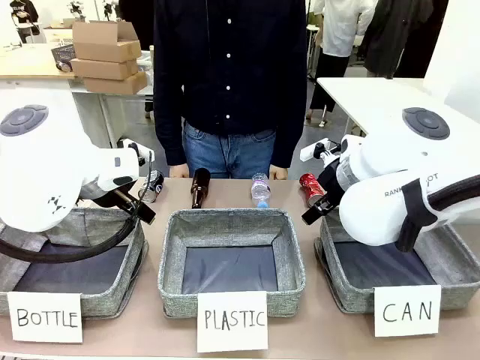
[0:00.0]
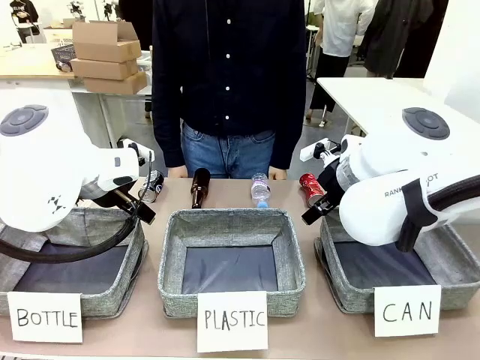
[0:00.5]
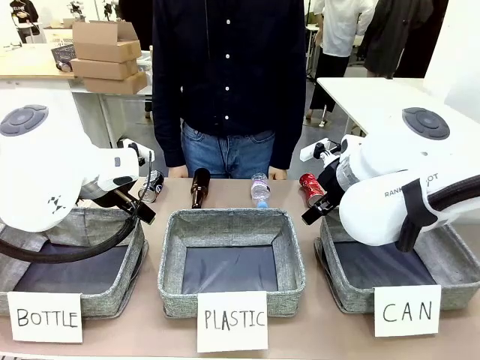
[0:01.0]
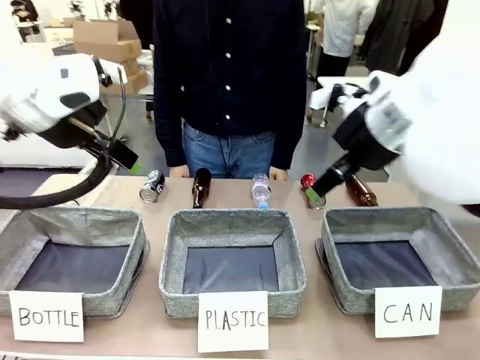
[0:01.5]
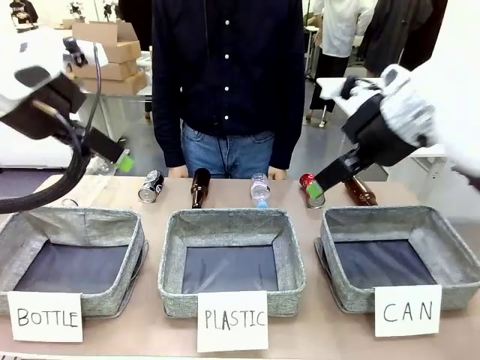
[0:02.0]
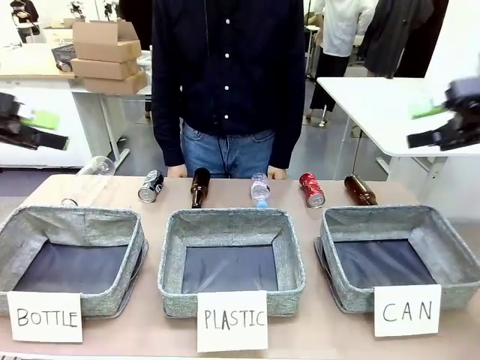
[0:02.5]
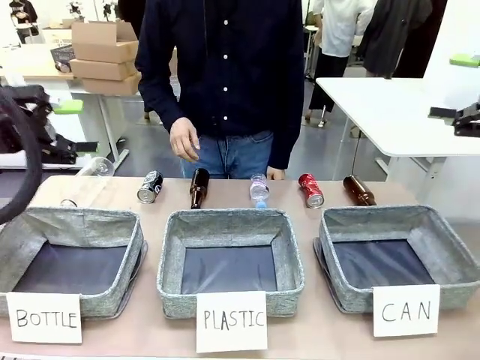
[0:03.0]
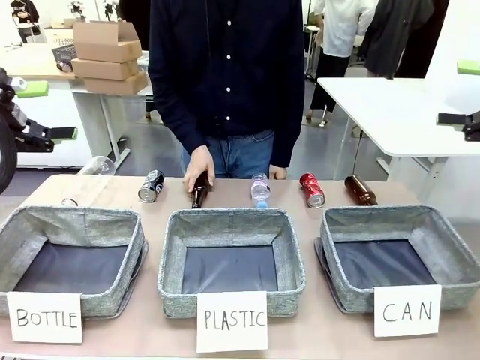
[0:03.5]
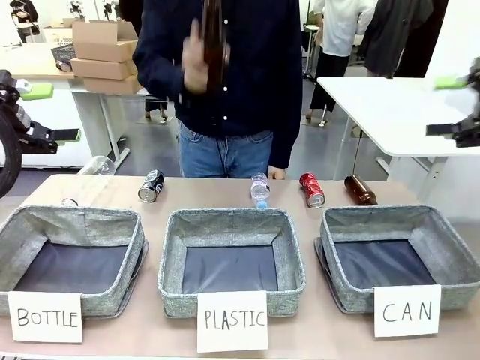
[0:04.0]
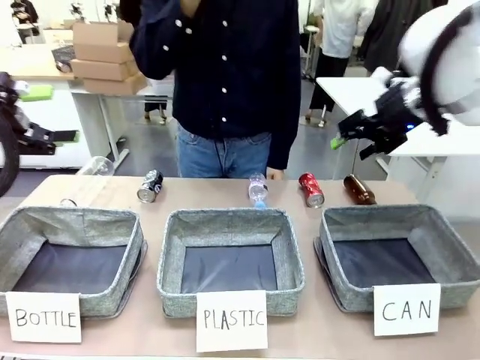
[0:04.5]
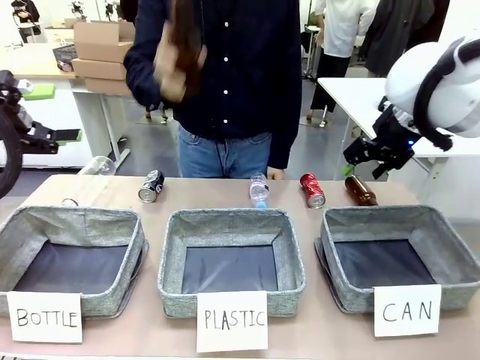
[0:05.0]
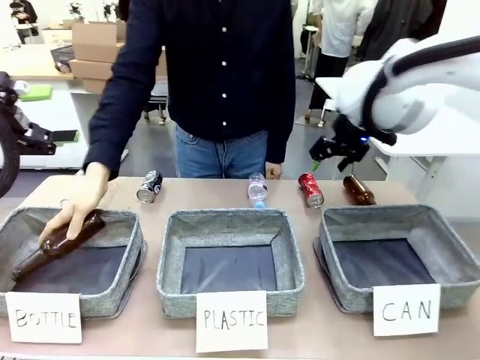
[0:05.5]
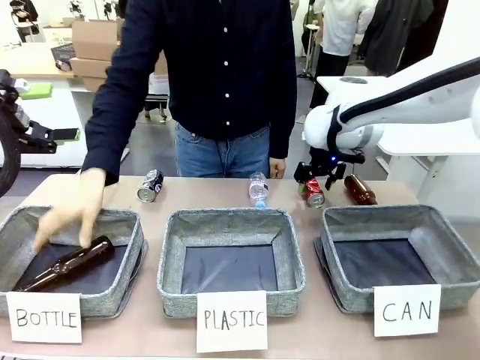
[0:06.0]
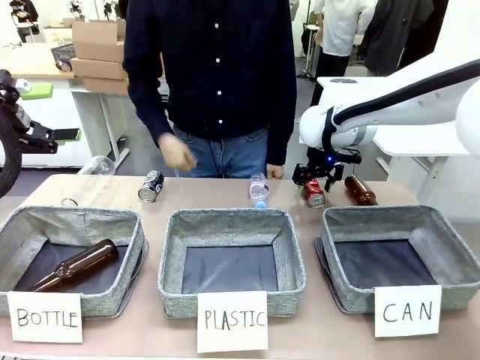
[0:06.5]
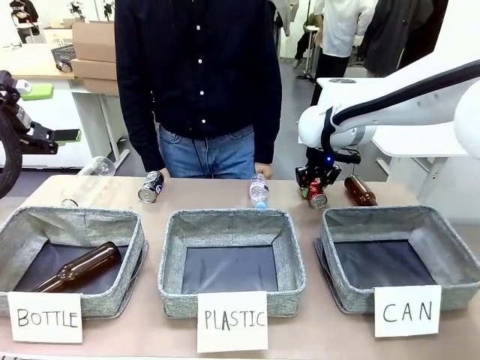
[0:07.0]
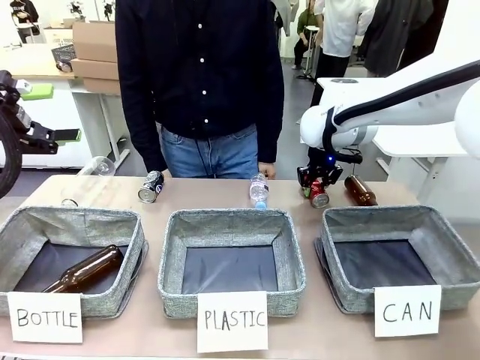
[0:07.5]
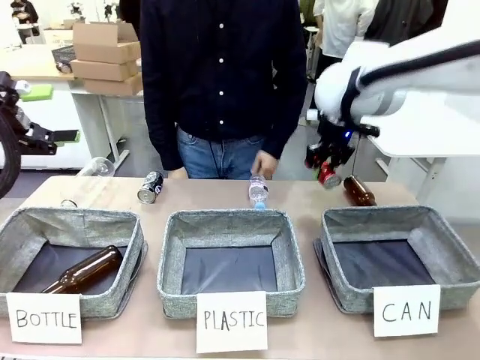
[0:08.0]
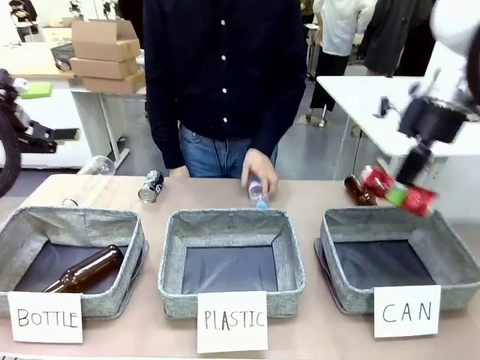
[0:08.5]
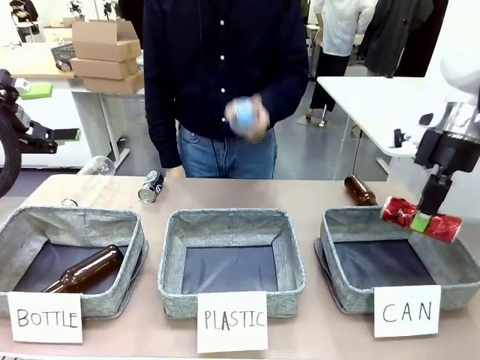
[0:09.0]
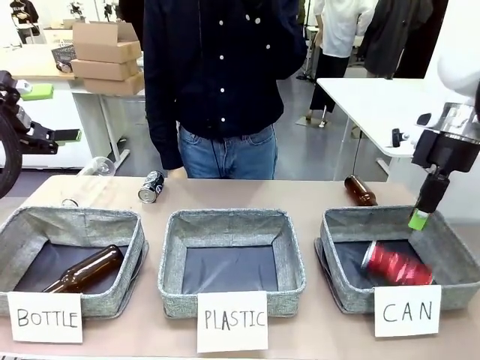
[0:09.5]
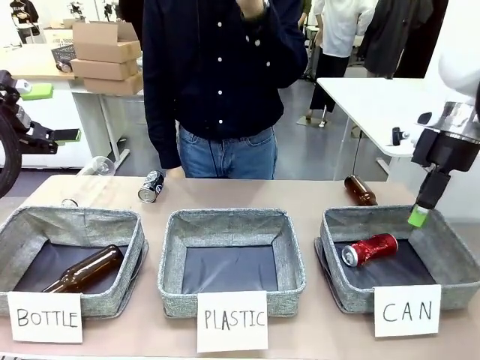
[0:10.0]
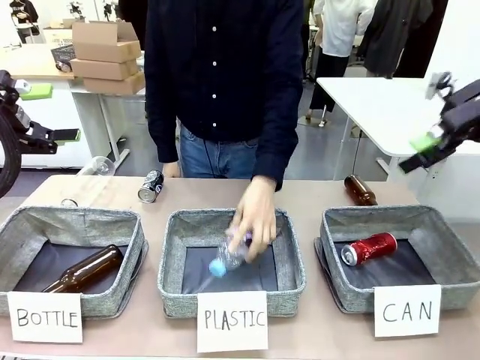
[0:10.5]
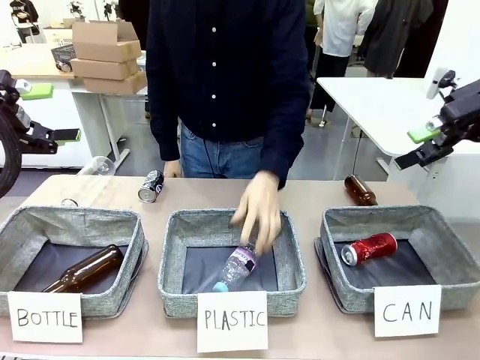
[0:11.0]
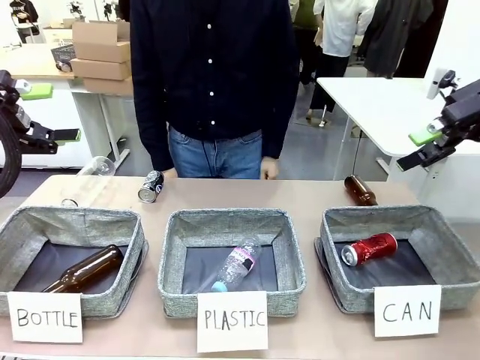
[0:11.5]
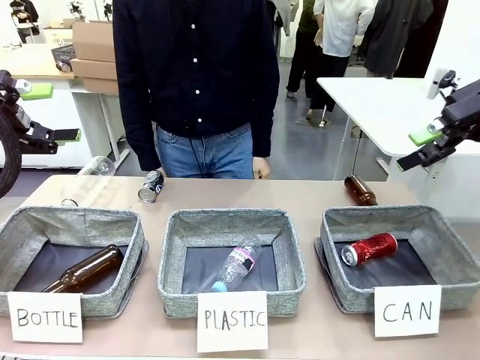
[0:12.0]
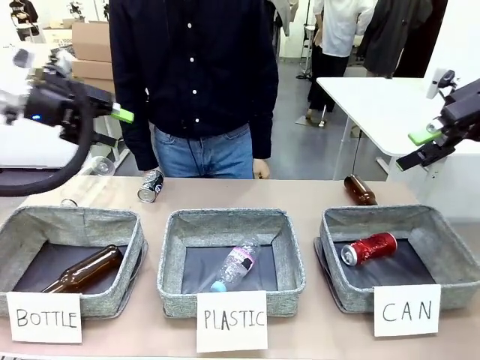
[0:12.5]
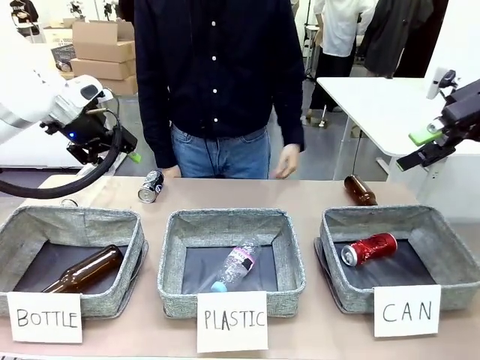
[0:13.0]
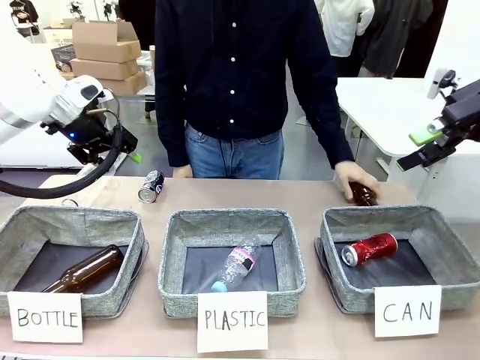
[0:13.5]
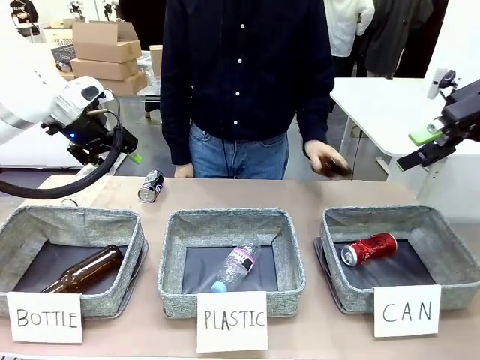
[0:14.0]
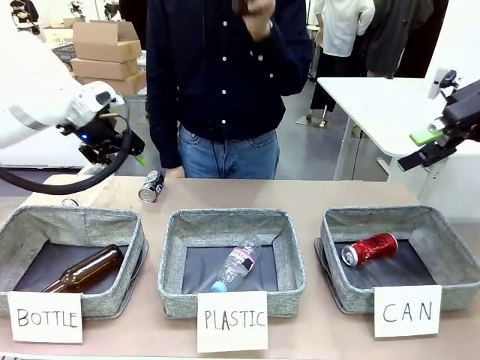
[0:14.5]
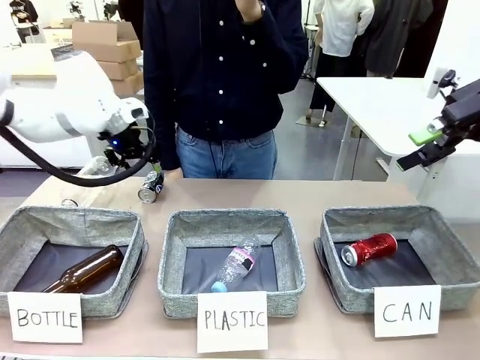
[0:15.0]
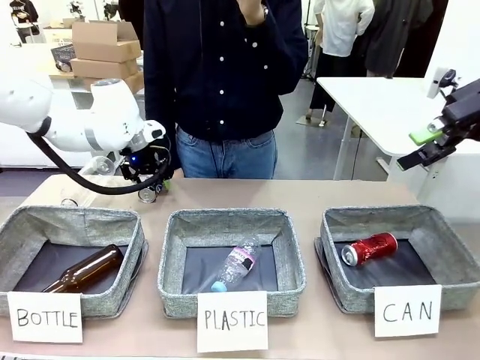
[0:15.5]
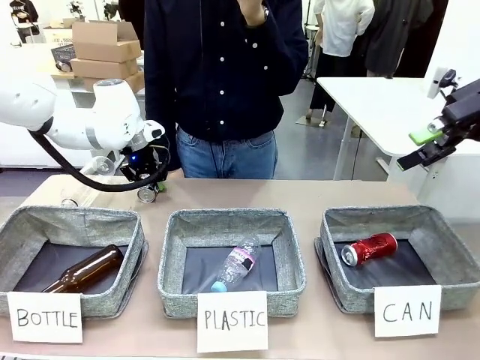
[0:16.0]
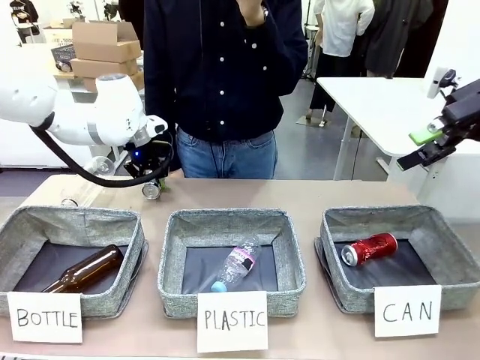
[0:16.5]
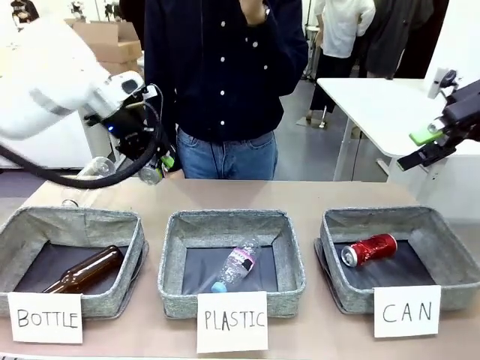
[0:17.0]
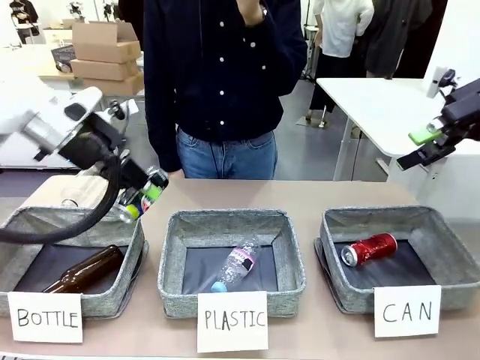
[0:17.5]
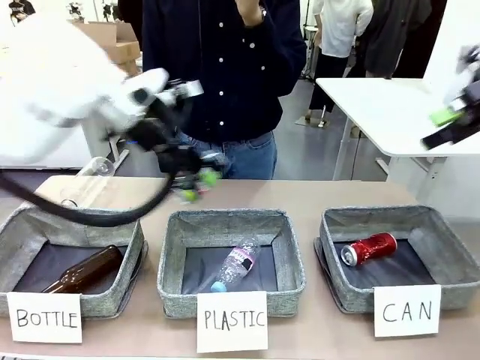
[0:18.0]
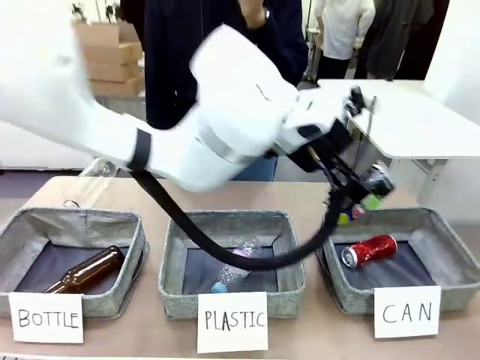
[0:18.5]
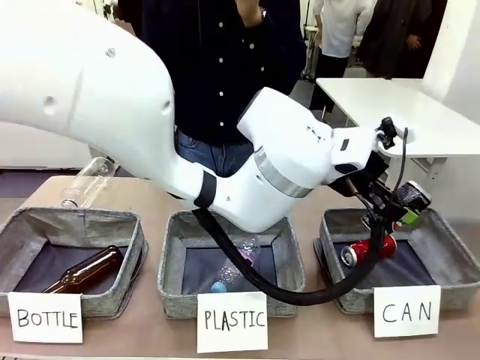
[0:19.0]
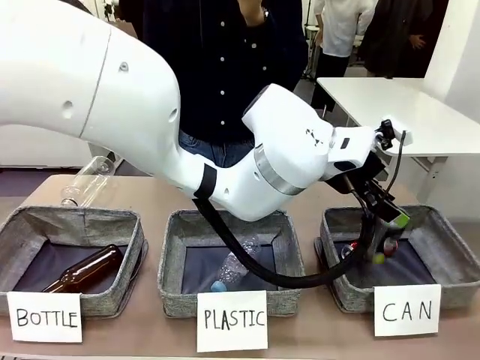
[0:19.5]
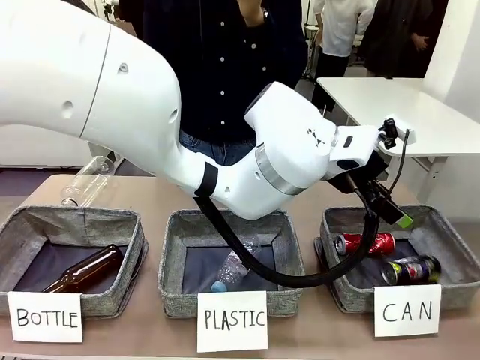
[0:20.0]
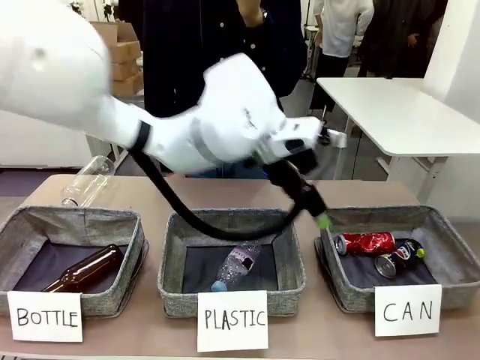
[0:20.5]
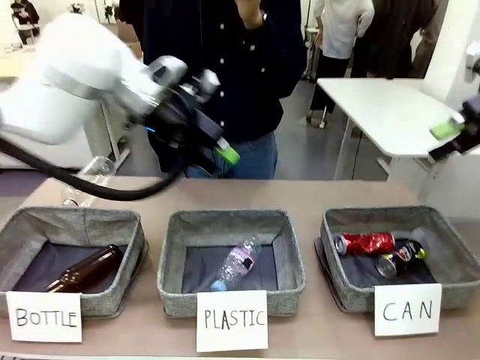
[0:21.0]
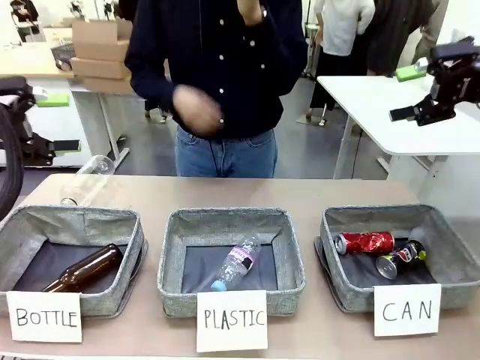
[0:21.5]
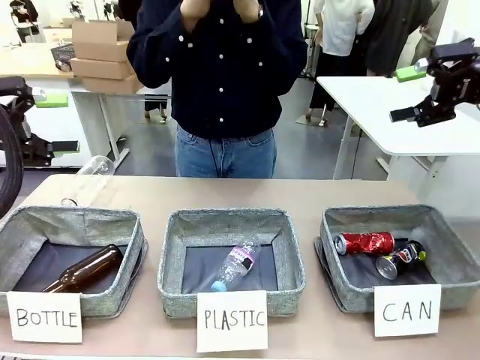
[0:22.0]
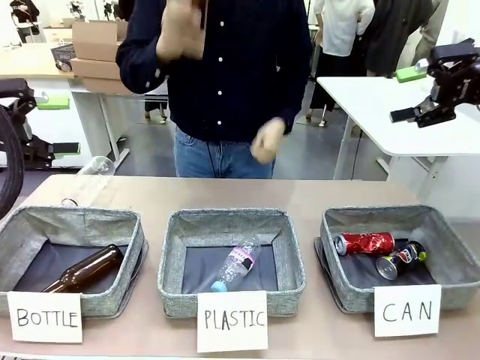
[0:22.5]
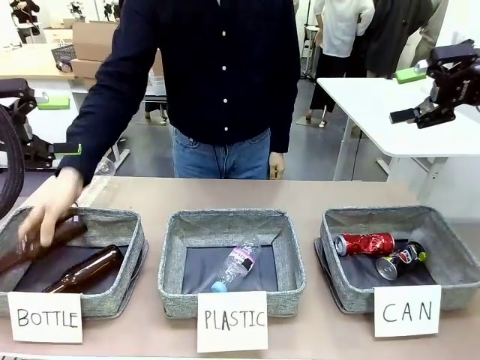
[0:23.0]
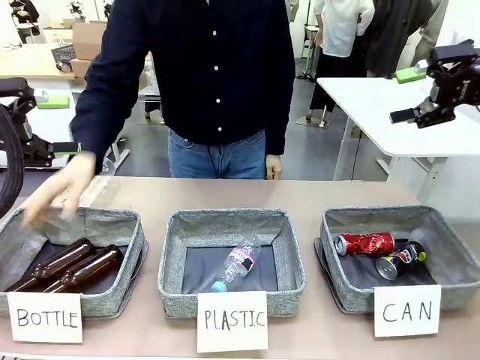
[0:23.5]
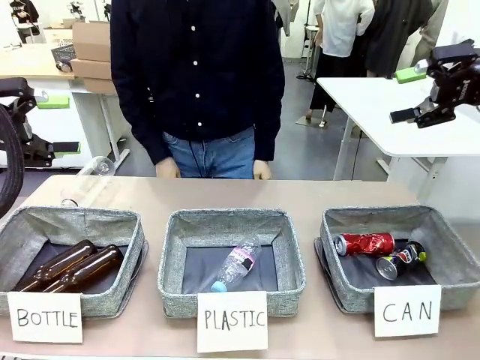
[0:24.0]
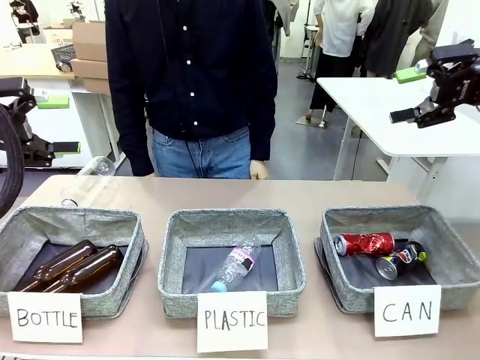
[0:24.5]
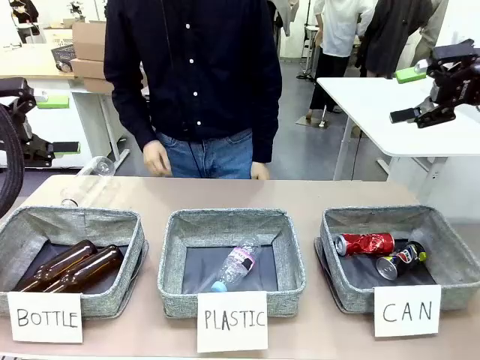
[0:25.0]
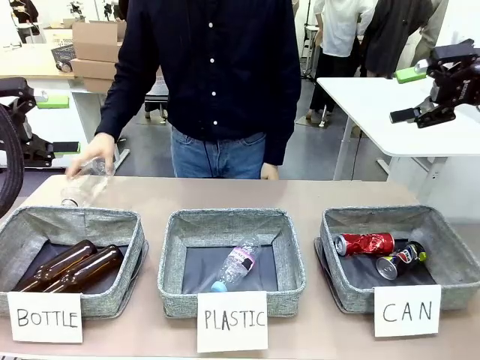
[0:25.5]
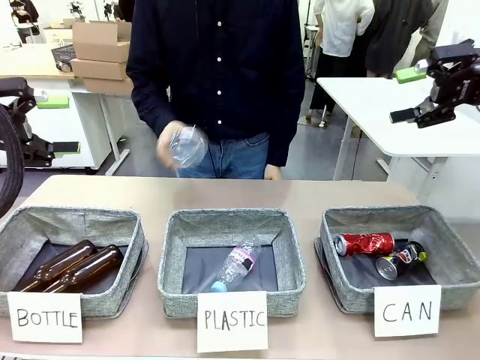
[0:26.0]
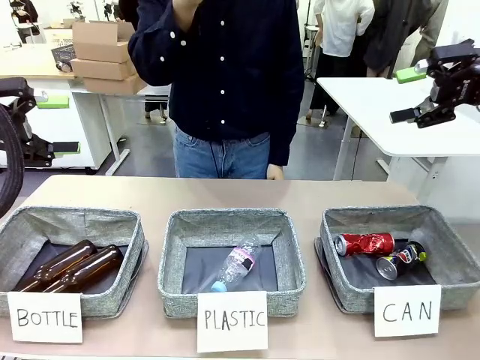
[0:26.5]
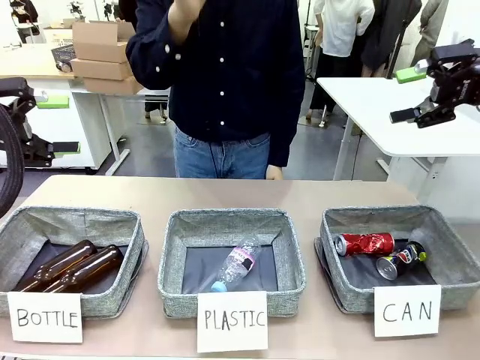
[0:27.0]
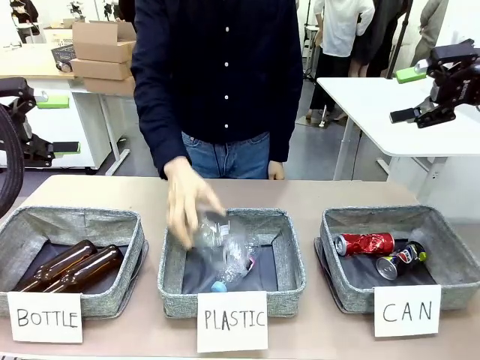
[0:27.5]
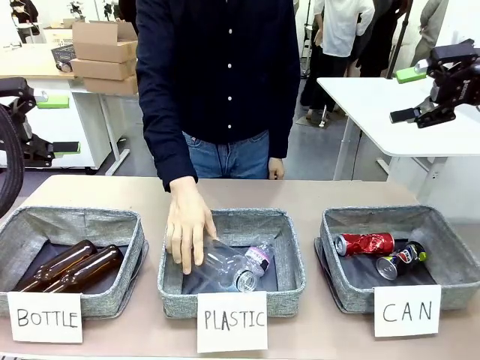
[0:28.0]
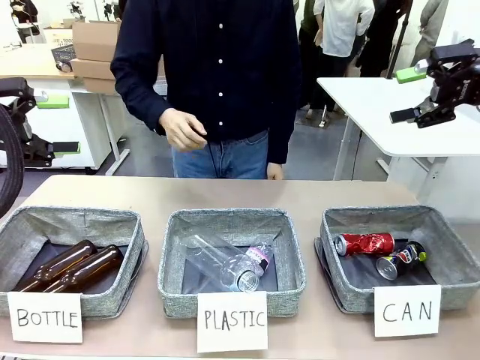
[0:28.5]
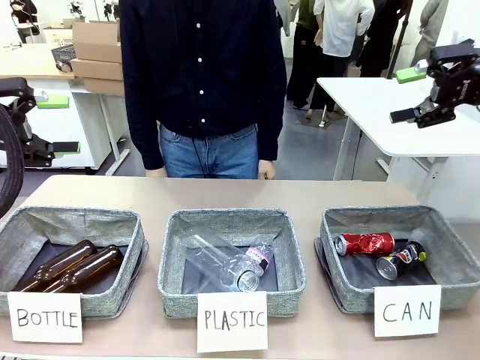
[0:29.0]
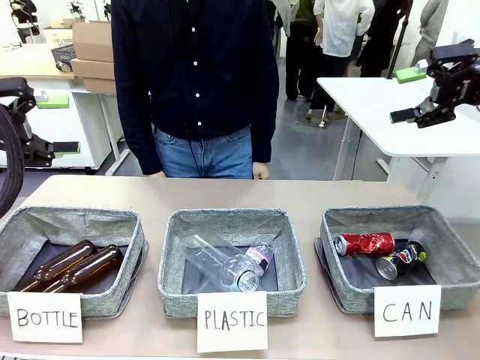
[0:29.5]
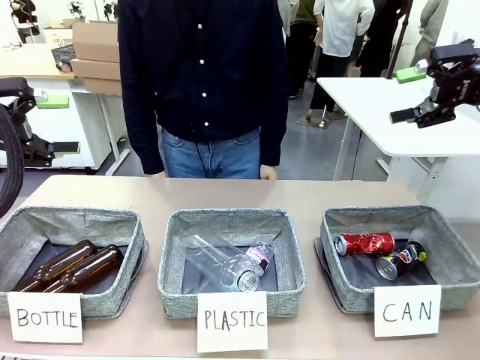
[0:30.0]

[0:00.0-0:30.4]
Task: Sort the can waste into the basket.
Robot: Pick up the can waste from the table and place it in the right Fabric basket.
Person: The human picks up one piece of trash that is not a can and places the trash into the appropriate organizing basket.
